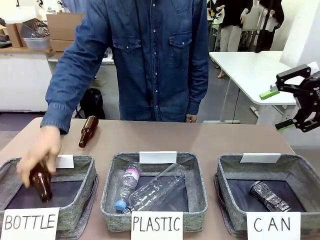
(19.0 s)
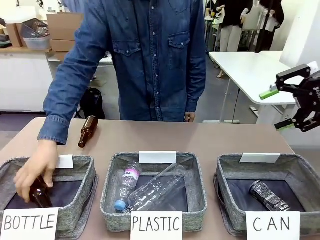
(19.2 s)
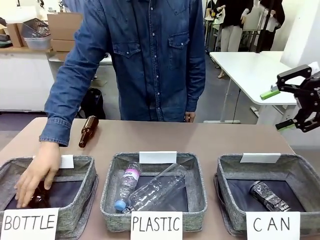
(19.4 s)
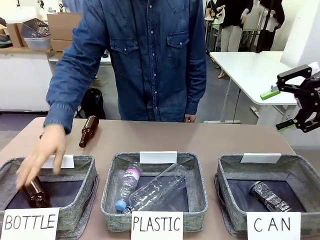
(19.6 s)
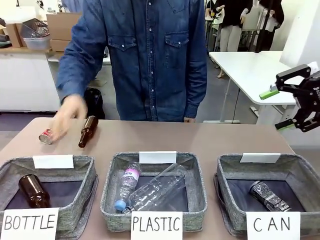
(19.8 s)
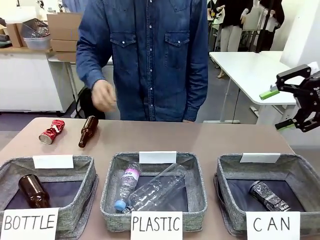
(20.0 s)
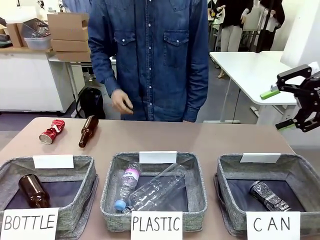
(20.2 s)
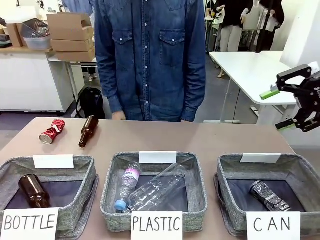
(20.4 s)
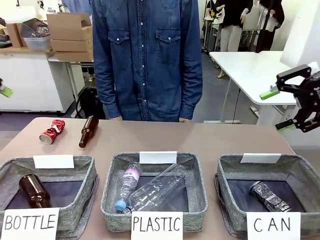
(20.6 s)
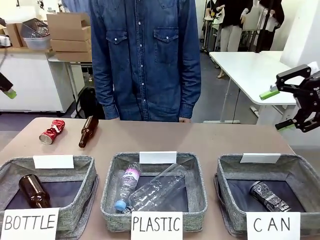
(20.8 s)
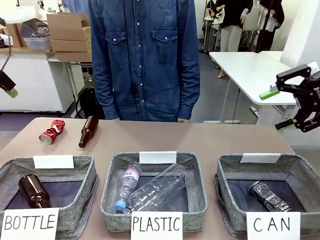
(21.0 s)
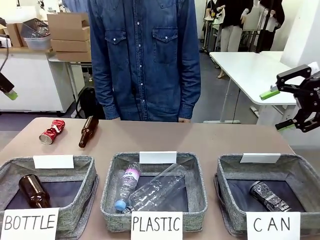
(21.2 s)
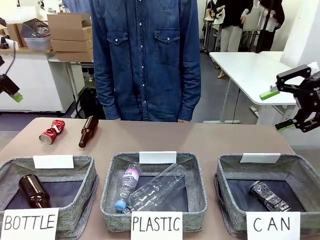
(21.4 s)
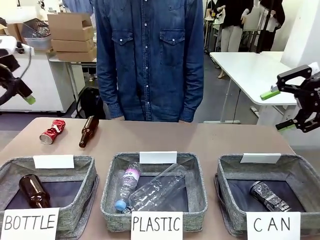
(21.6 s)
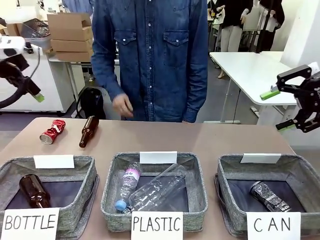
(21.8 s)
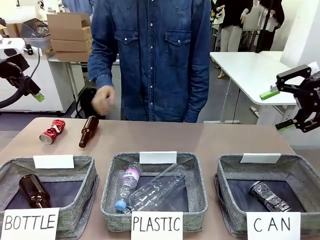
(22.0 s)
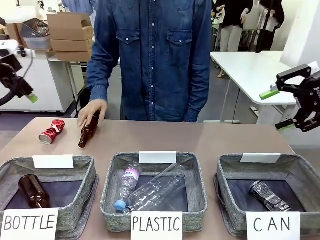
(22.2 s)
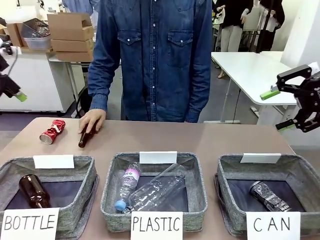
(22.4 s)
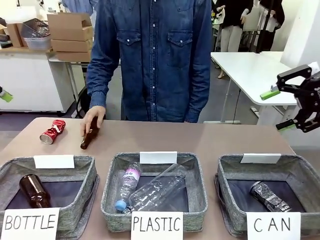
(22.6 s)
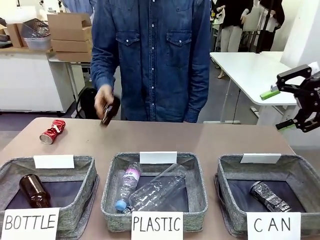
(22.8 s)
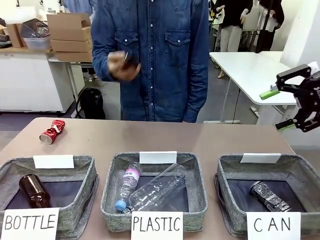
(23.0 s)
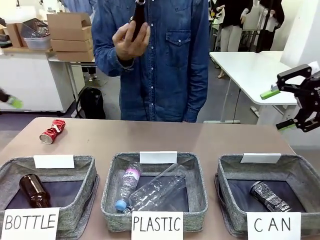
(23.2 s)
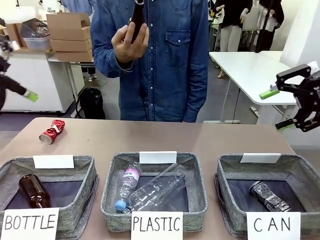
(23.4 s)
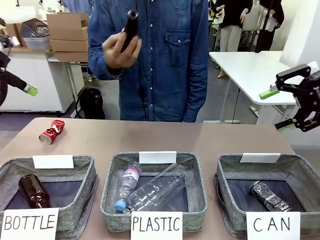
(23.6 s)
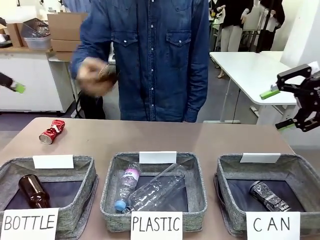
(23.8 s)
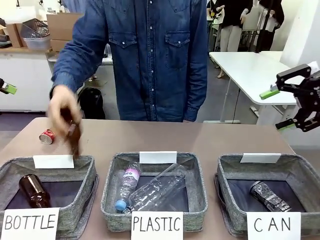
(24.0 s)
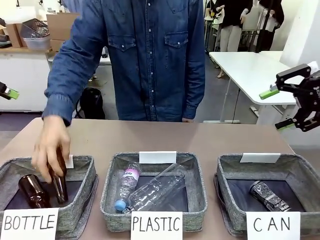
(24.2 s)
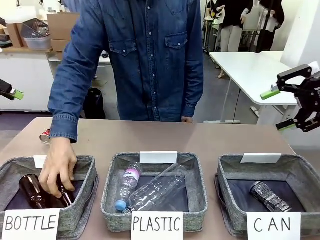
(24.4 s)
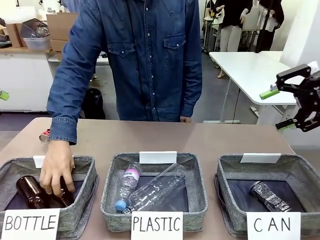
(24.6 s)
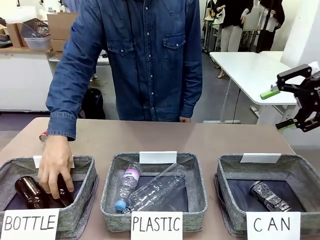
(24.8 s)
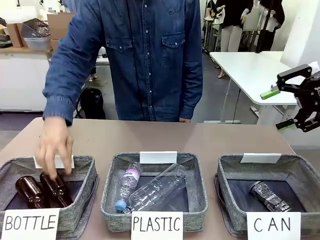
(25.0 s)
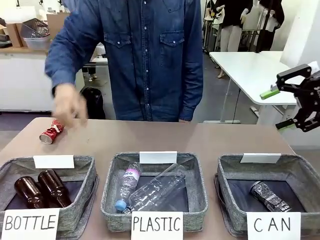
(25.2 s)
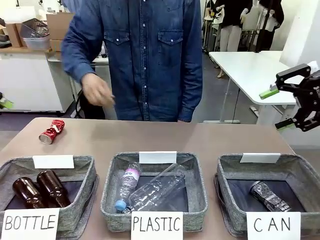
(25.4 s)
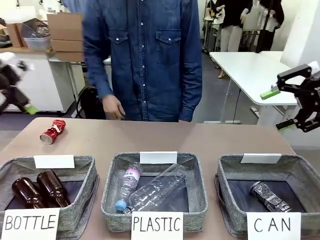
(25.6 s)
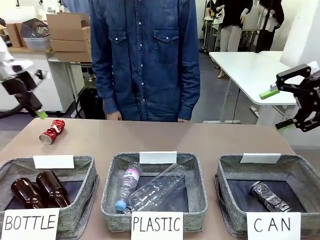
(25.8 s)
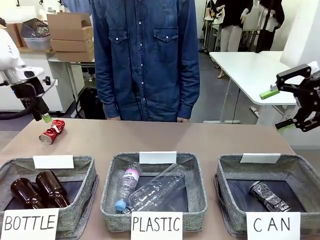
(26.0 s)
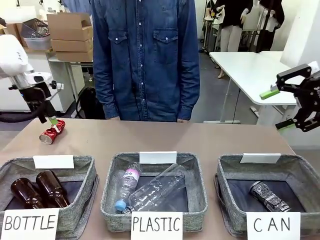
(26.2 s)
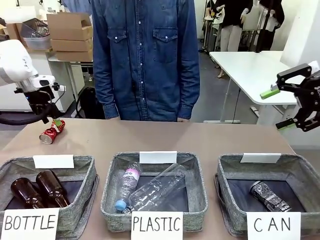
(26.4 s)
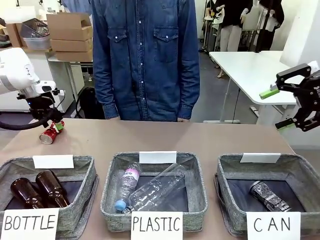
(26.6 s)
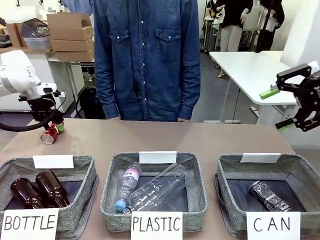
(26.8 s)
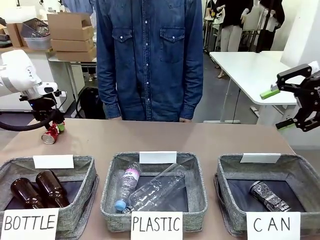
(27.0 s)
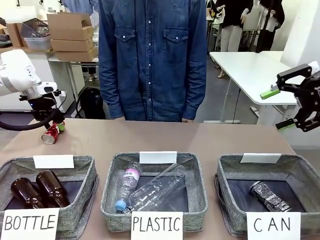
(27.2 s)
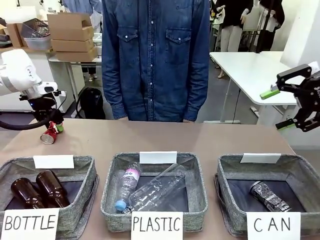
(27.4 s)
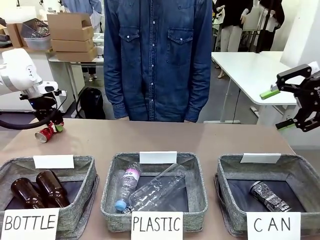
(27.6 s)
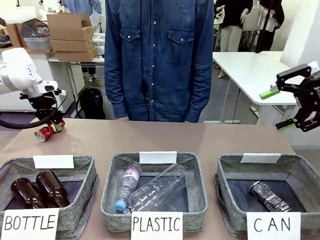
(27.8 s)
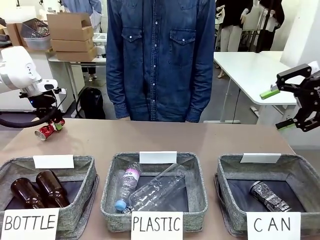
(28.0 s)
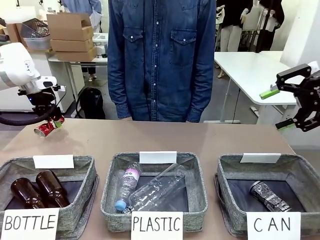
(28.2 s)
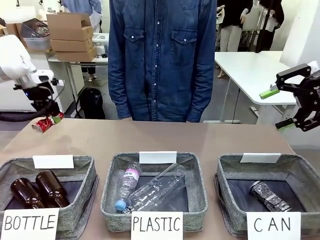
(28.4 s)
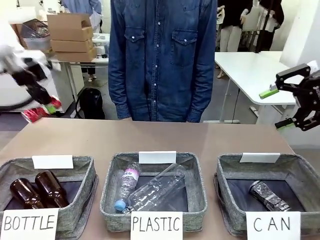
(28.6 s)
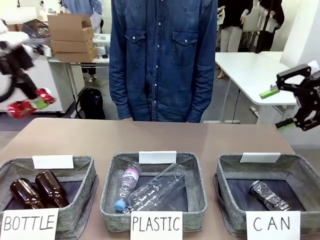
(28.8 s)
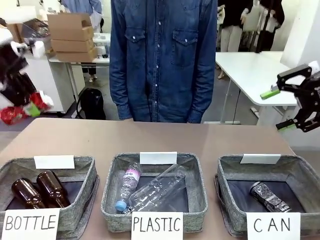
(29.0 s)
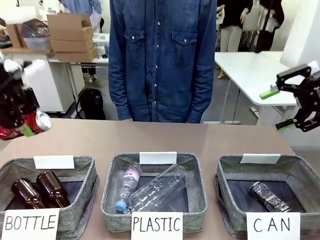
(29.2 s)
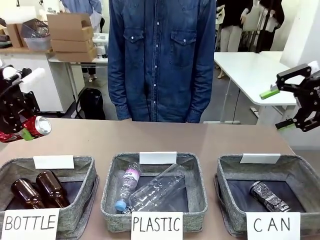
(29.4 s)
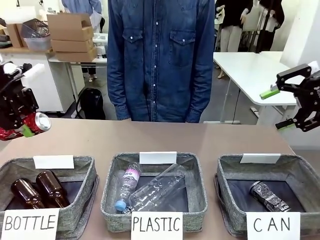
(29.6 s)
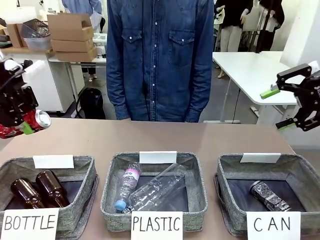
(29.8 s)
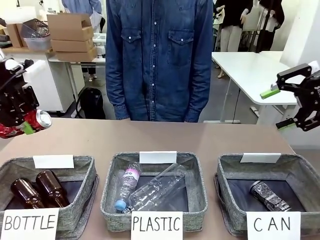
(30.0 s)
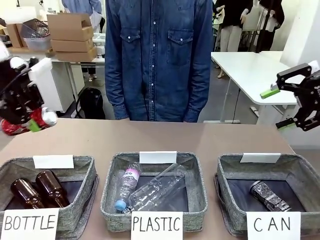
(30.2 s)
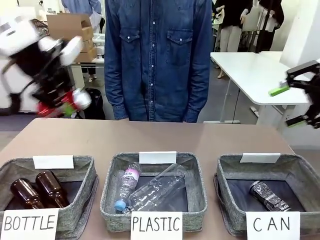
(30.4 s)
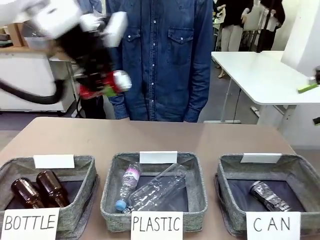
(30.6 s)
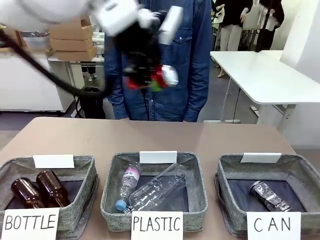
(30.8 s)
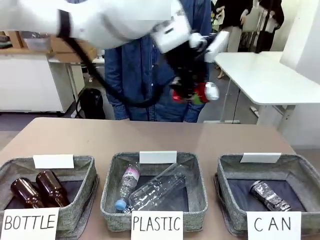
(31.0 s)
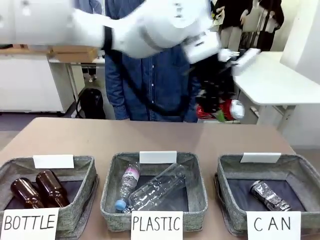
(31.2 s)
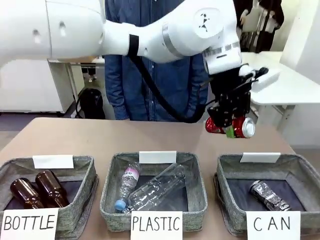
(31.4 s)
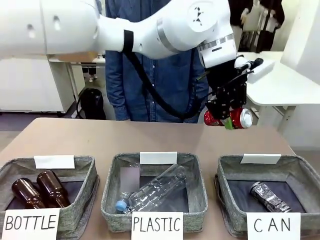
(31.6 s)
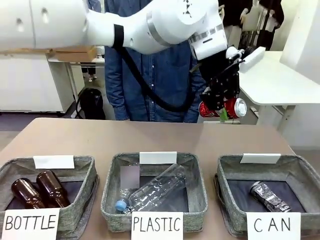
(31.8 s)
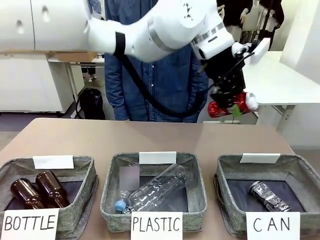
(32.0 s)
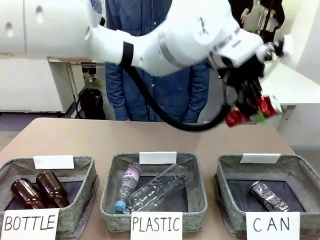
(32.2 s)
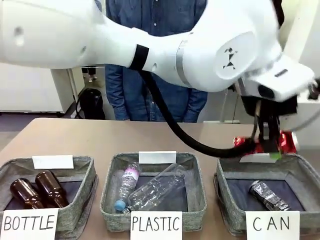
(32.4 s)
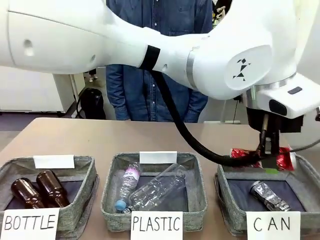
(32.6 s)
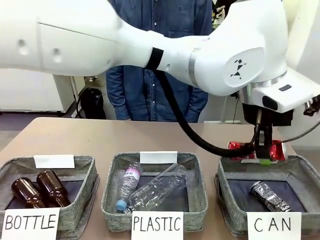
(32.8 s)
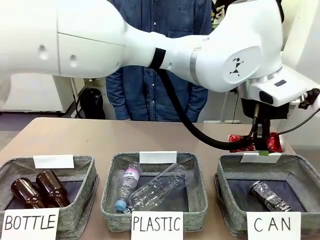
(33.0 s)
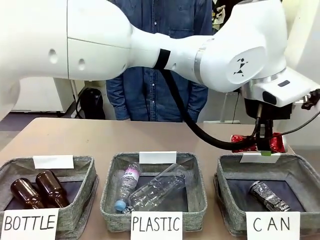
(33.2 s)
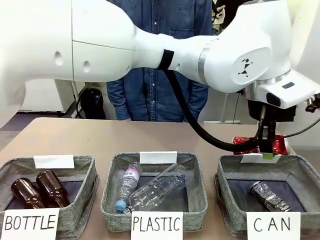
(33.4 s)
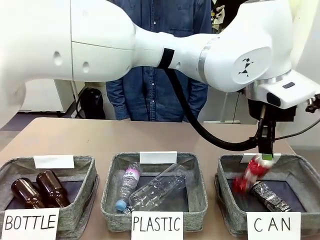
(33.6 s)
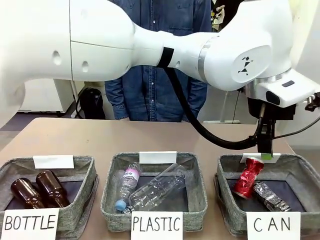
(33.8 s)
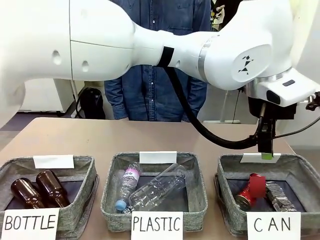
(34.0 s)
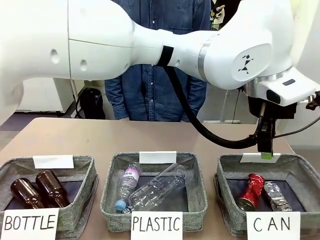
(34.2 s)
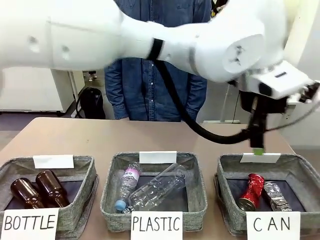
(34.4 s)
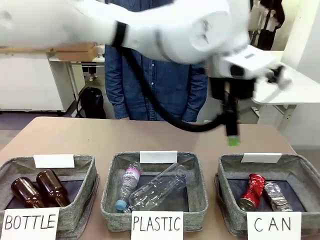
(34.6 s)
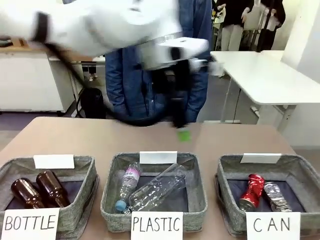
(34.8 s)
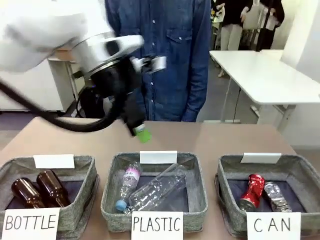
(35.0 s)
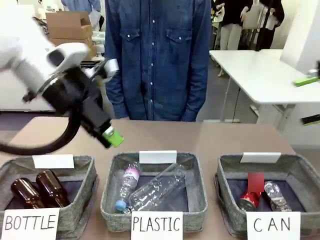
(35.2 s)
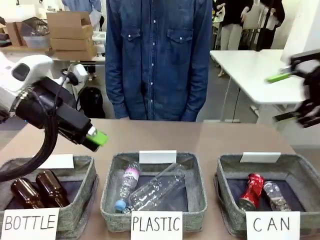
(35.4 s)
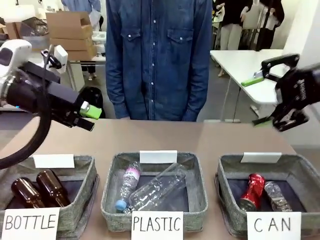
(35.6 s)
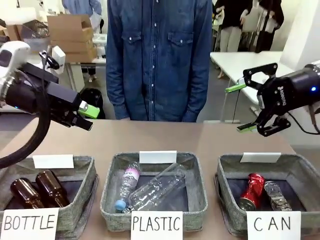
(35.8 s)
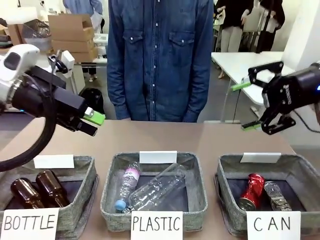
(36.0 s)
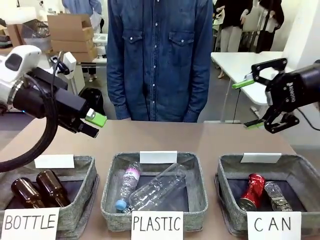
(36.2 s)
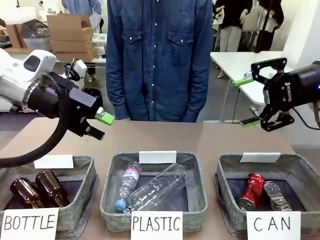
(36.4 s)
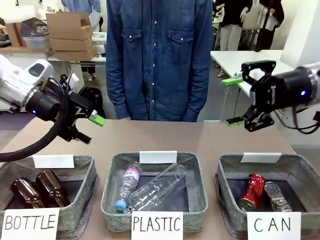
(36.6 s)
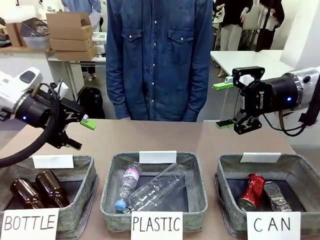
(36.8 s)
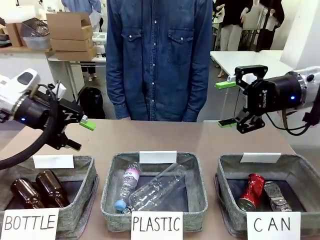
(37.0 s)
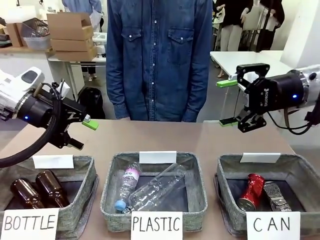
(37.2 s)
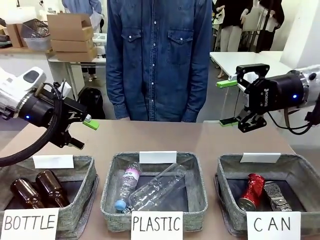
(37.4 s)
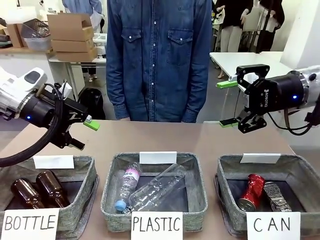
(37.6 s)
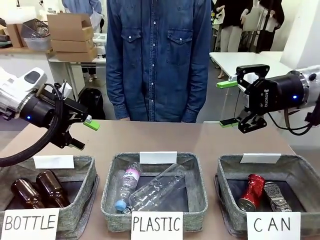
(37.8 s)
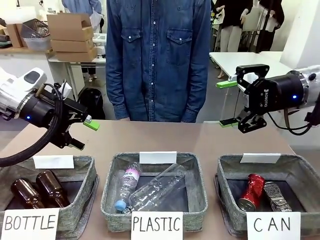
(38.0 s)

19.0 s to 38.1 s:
Task: Sort the can waste into the basket.
Robot: Pick up the can waste from the table and place it in the right Fabric basket.
Person: The human picks up one piece of trash that is not a can and places the trash into the appropriate organizing basket.
